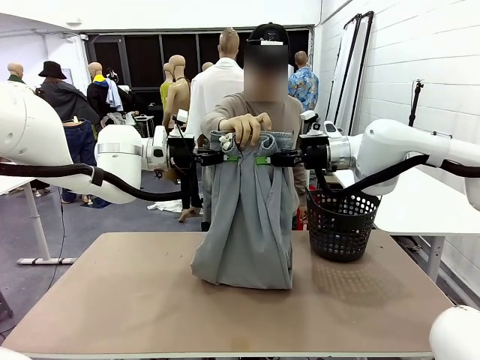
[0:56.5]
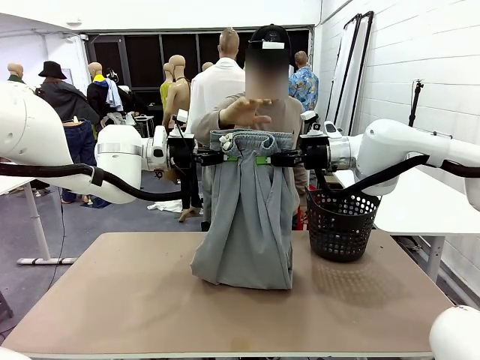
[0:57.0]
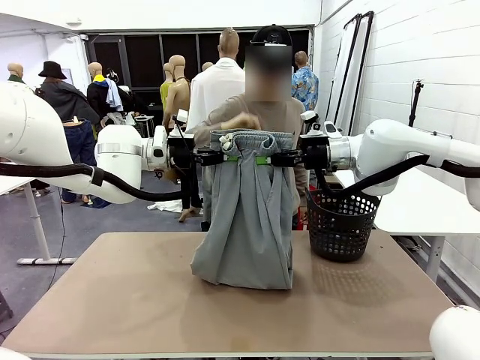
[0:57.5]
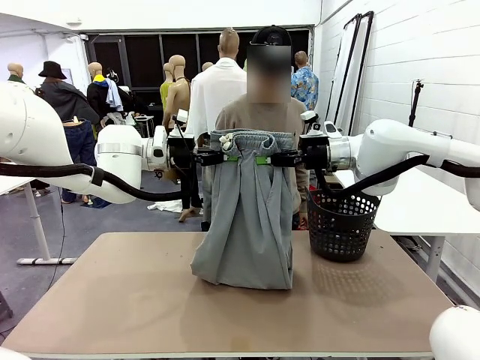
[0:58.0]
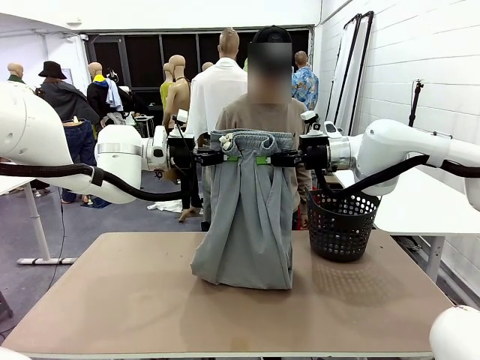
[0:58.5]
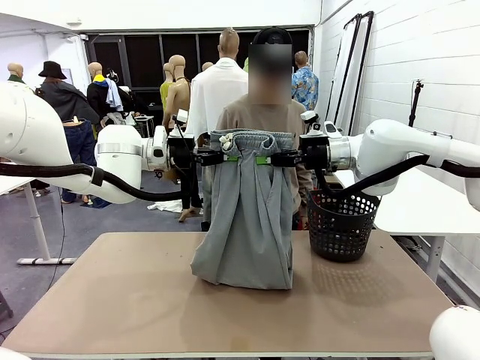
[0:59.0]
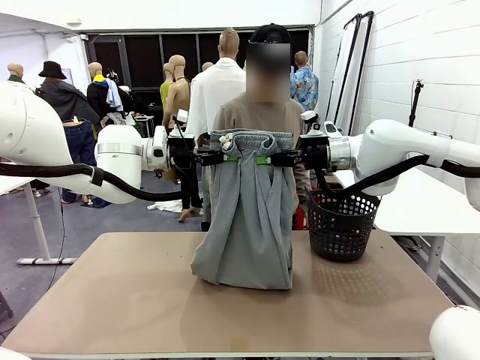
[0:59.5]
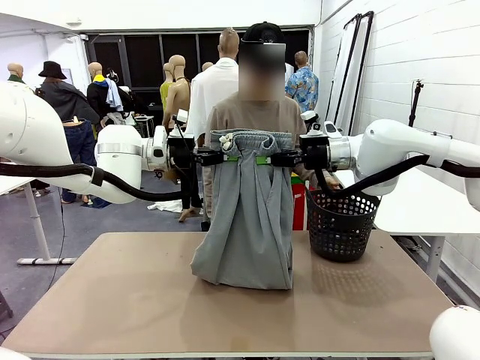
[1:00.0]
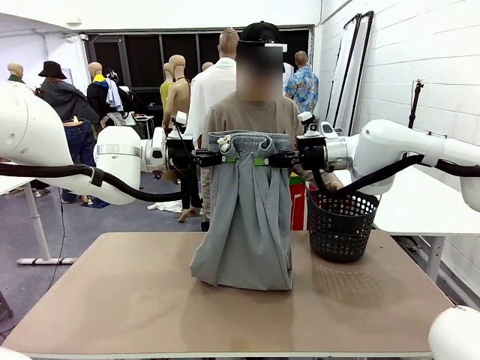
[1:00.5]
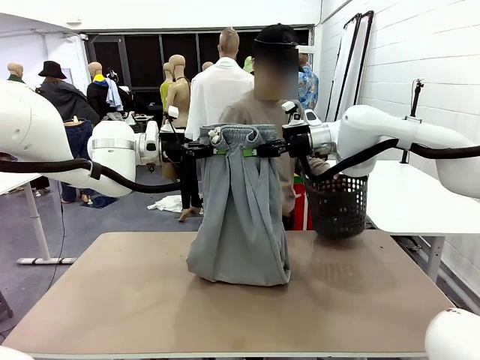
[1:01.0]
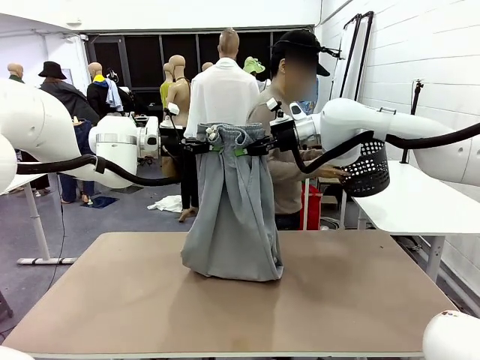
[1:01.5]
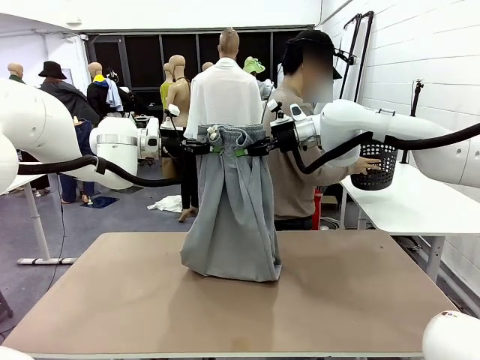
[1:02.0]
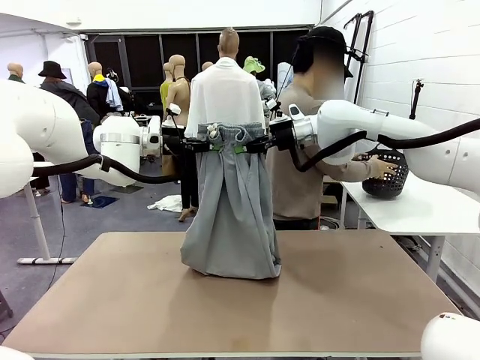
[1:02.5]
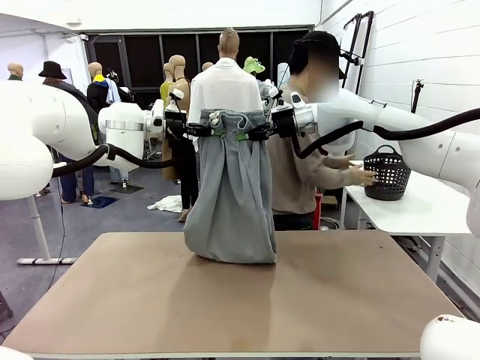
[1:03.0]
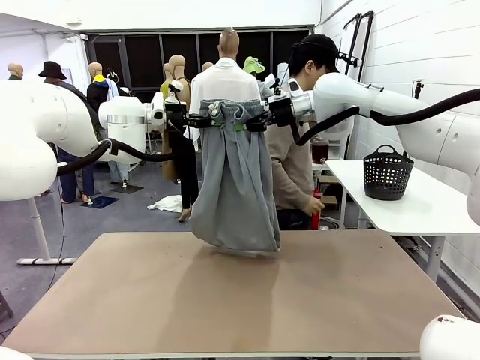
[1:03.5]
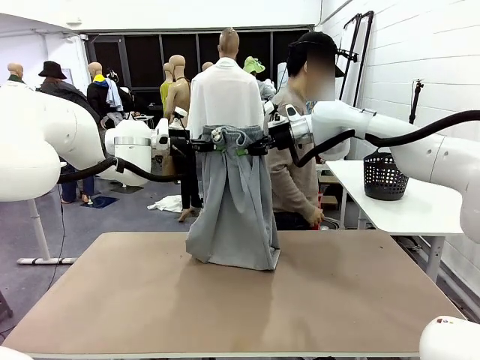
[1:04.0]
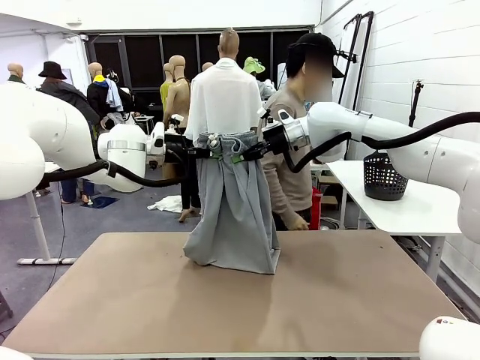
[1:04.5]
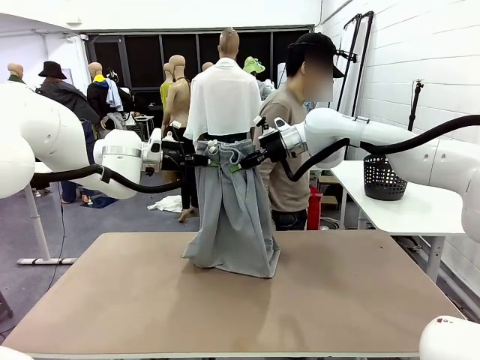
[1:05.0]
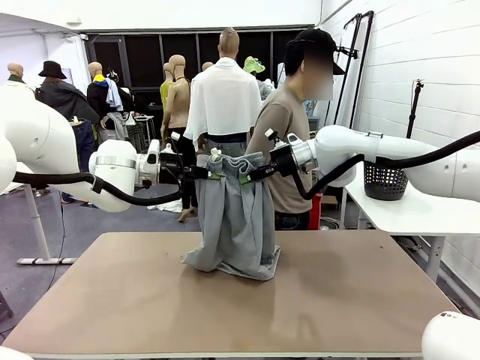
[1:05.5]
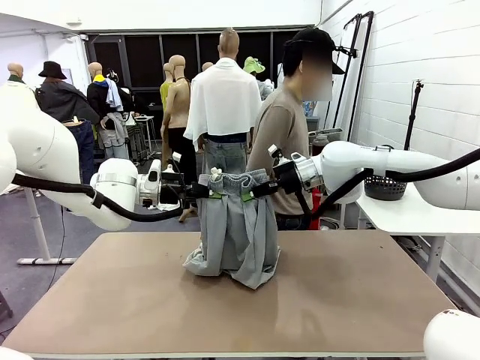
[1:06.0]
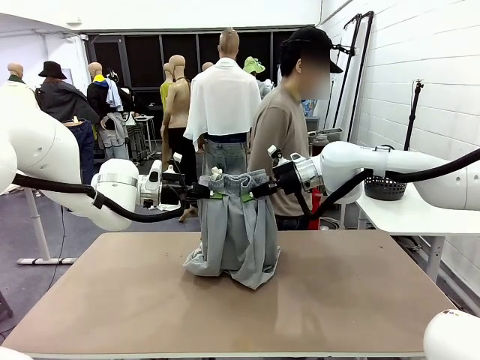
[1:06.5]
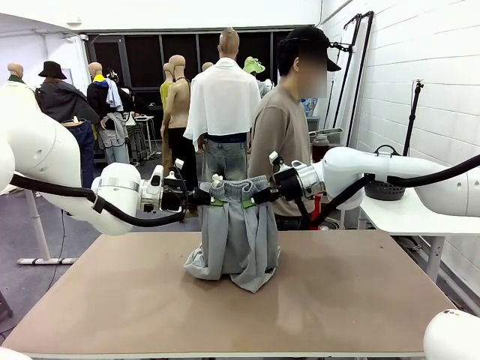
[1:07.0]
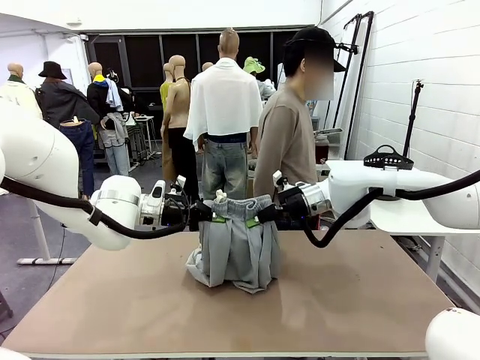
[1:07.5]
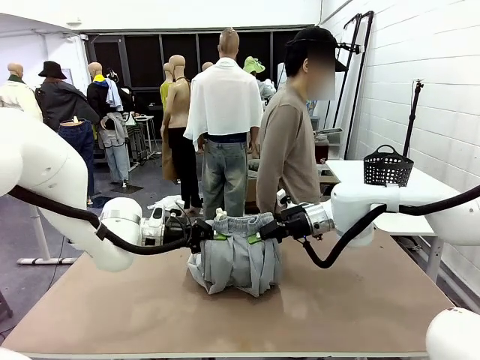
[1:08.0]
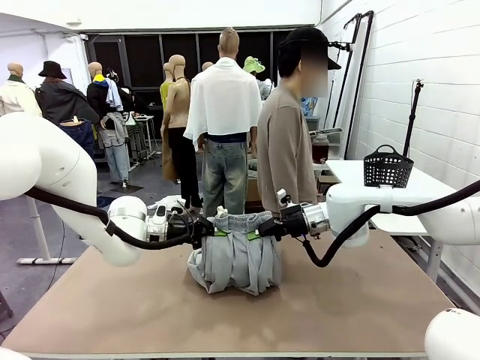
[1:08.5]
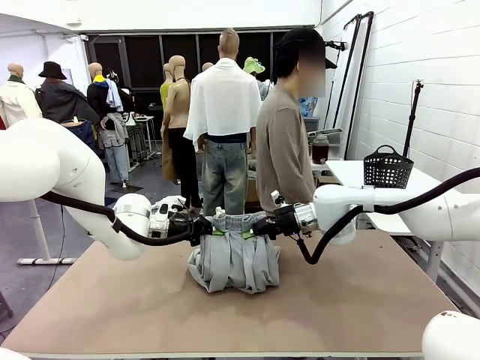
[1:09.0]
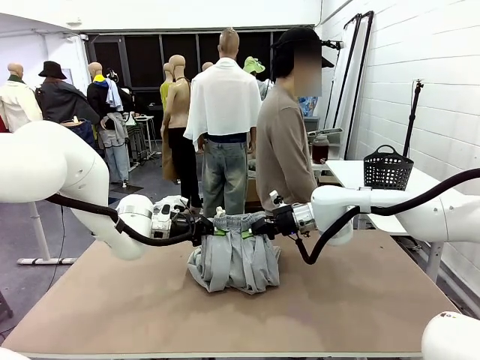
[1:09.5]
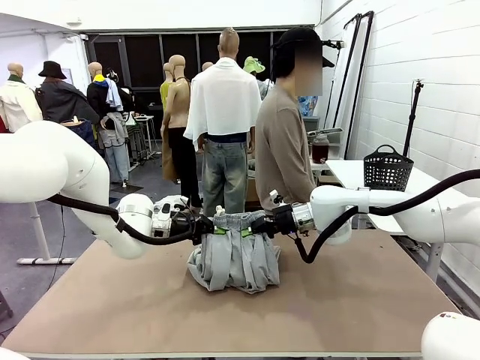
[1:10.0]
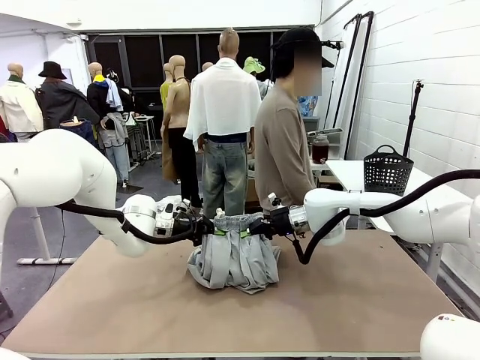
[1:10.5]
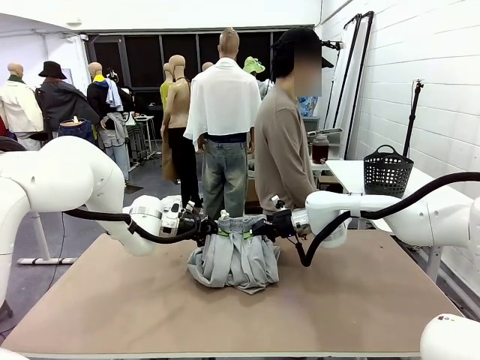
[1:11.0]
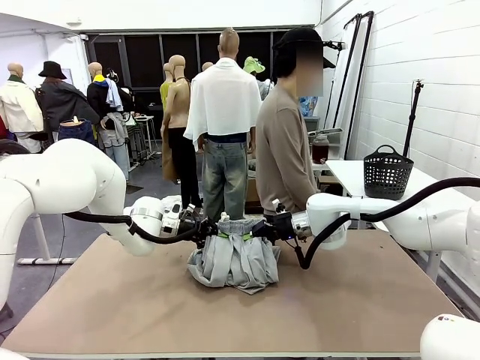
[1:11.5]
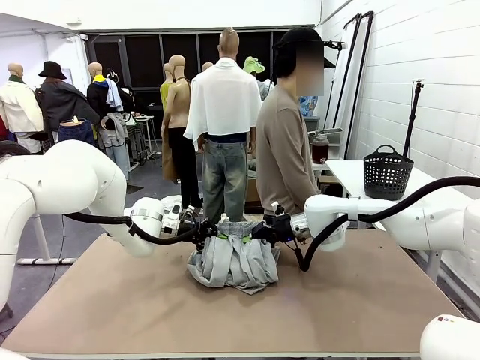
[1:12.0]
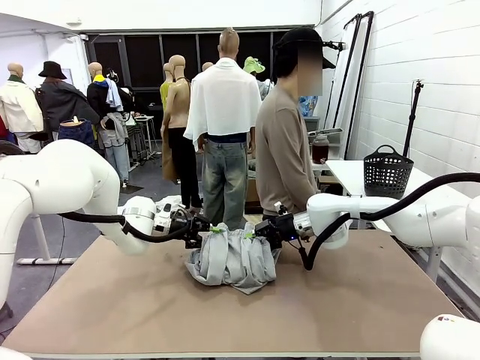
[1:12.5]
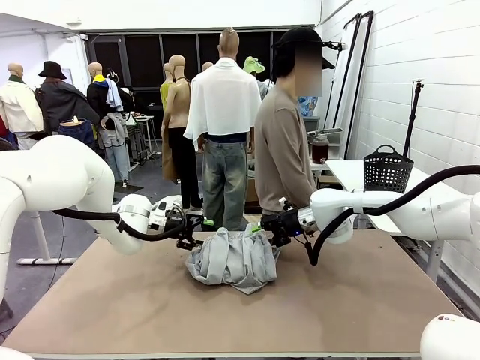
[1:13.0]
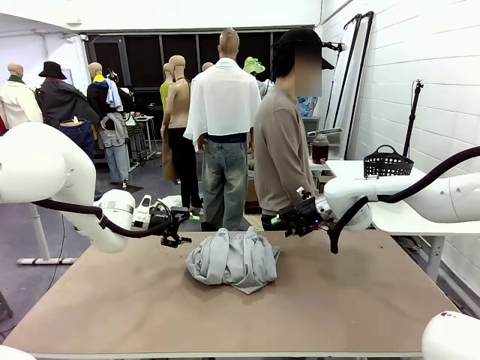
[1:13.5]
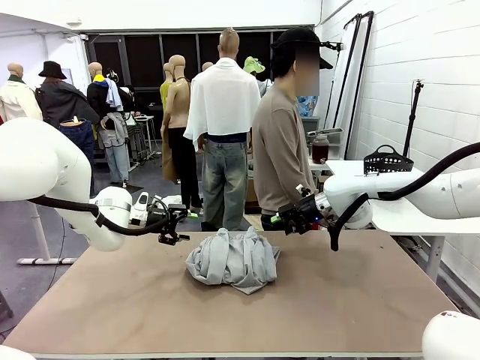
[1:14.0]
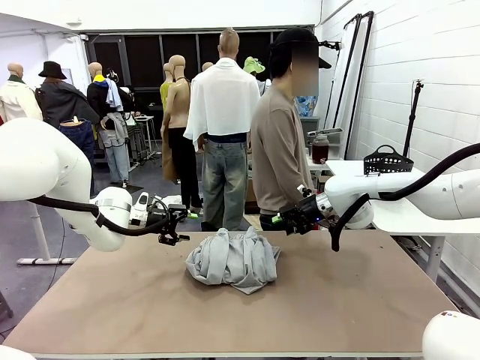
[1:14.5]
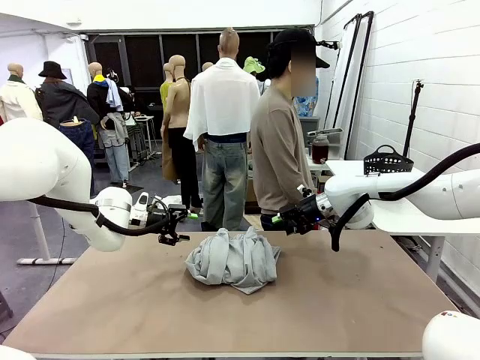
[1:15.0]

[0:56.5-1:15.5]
Task: Fold the training pants.
Robot: Fold the Training pants in half.
Person: Move the laundry basket to the right of the human table.

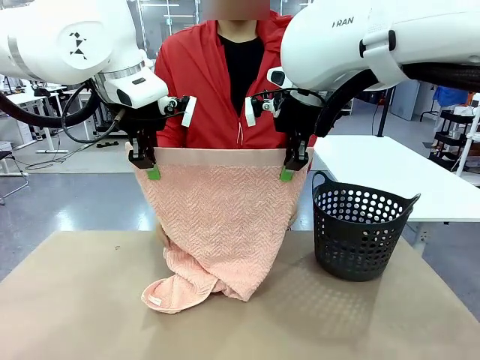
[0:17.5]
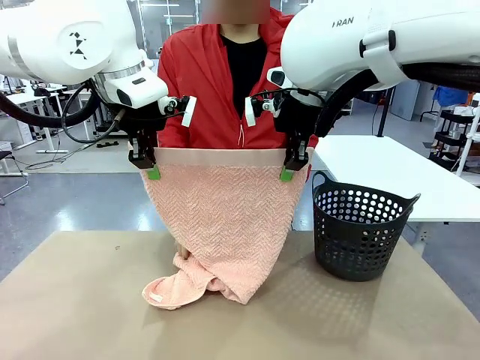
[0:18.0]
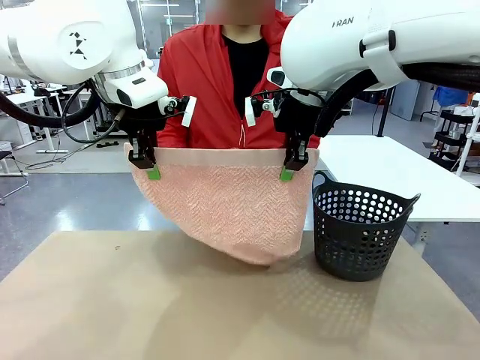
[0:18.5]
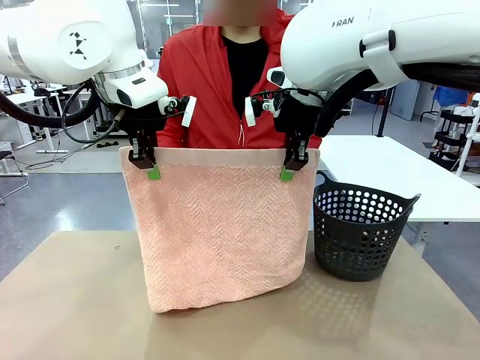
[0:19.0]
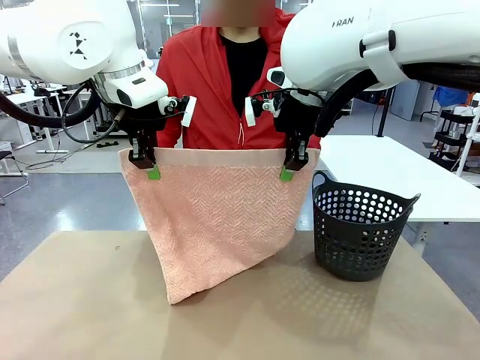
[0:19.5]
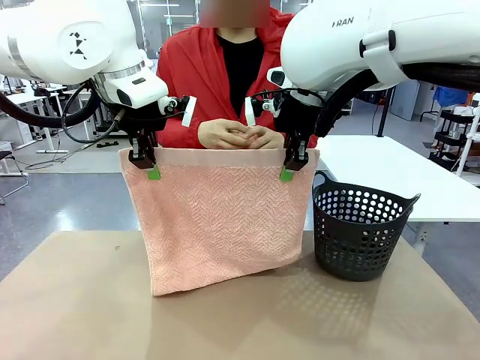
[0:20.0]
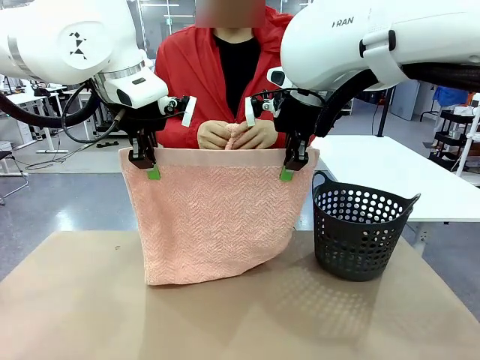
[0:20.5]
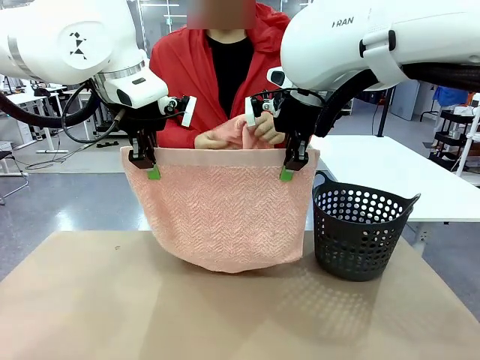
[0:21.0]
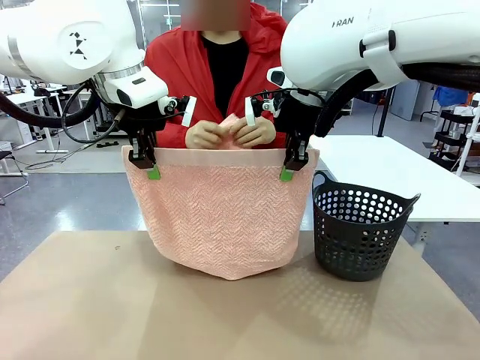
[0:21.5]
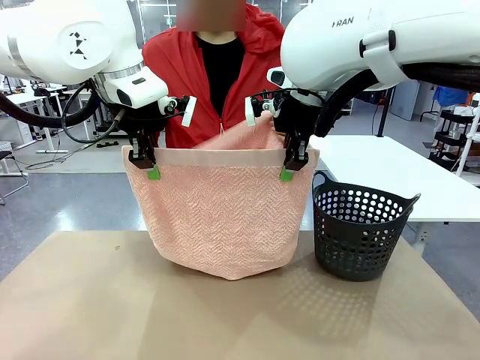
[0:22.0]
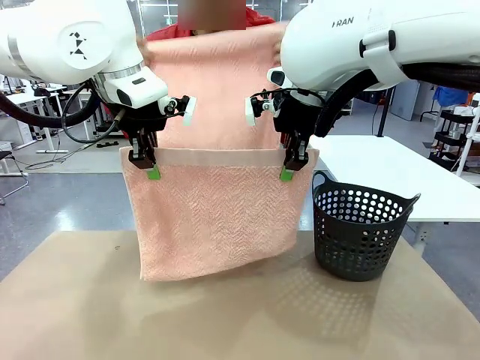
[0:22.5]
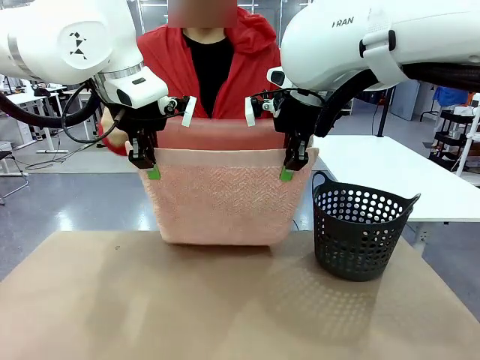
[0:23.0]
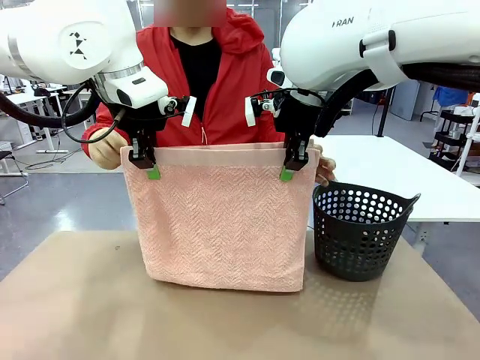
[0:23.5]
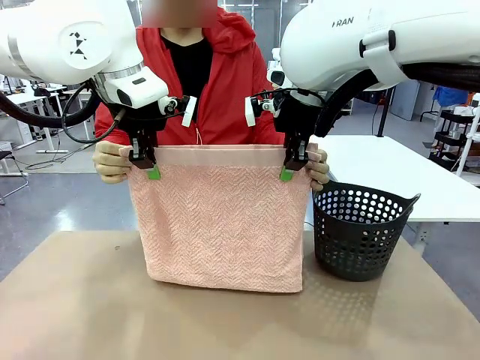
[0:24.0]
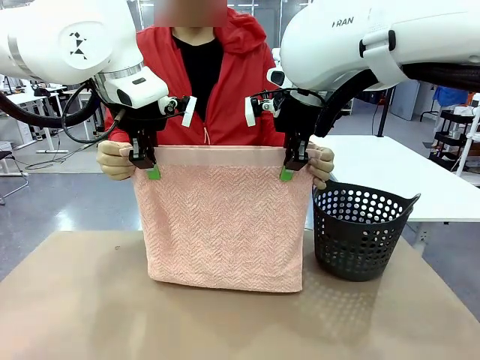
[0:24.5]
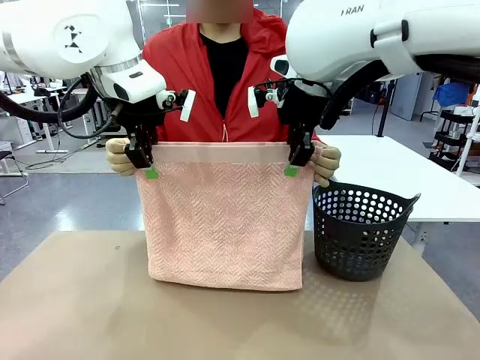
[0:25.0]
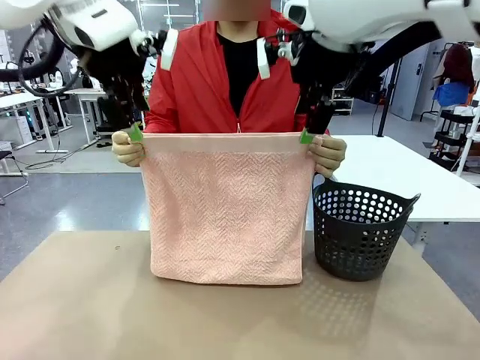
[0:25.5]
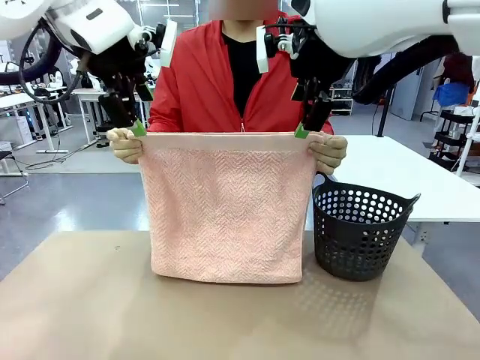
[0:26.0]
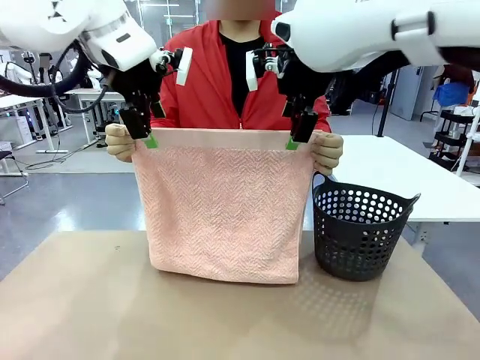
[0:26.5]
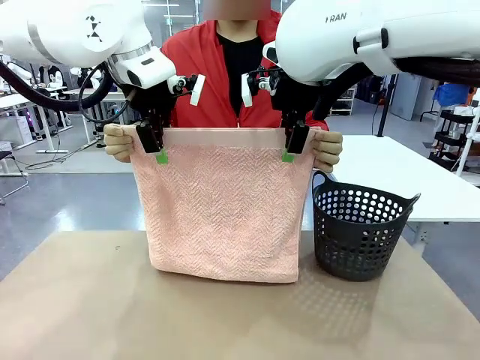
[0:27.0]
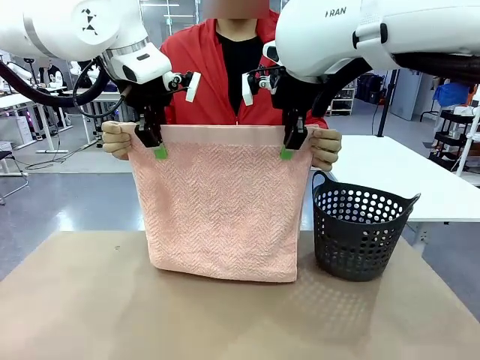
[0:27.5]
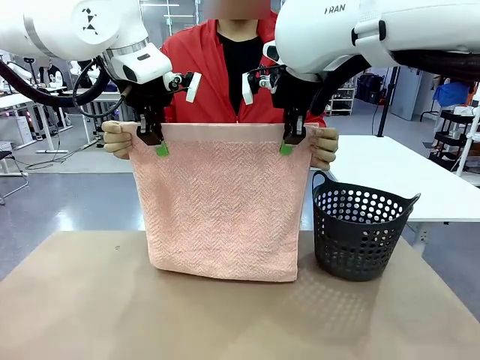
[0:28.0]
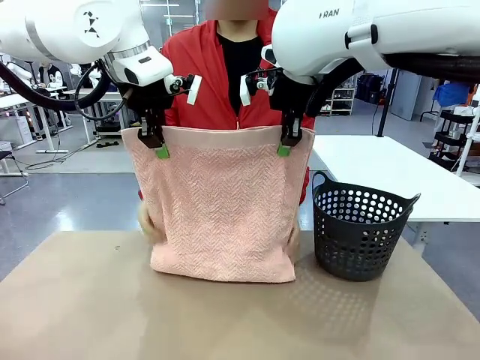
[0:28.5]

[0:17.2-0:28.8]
Task: Fold the towel.
Robot: Release the end of the 100 cm Hotel Towel you were holding and grab the top end of the folded side.
Person: Using the point held by the robot as a reference, grasp the opposite end, fold the towel in half, and then hold both ends of the folded towel.
